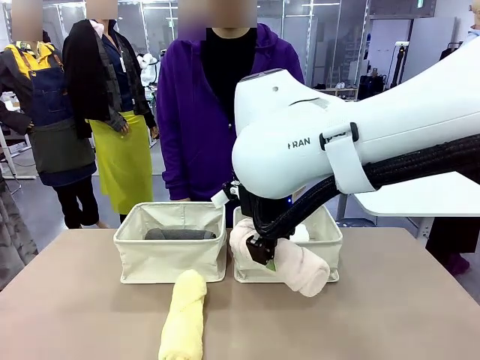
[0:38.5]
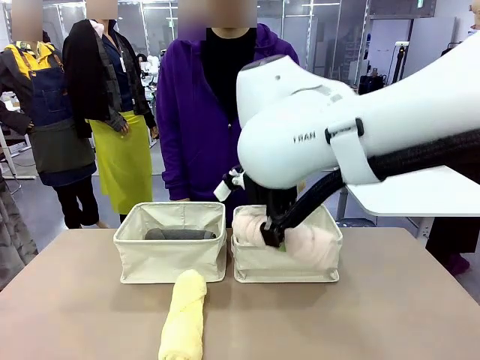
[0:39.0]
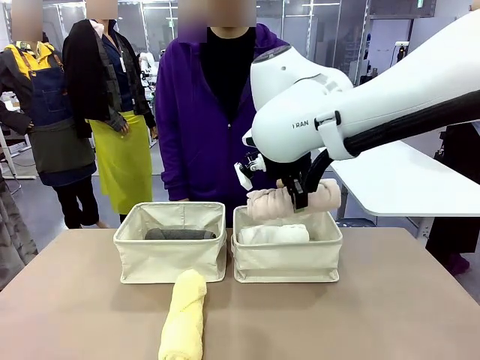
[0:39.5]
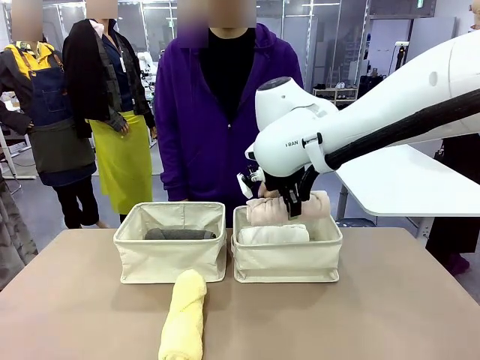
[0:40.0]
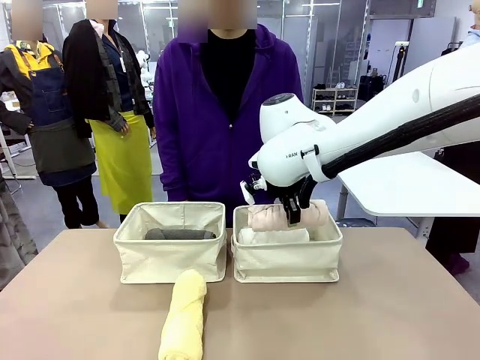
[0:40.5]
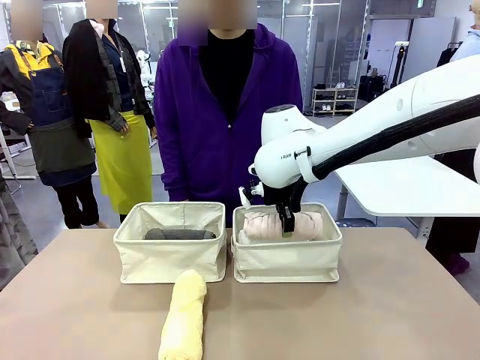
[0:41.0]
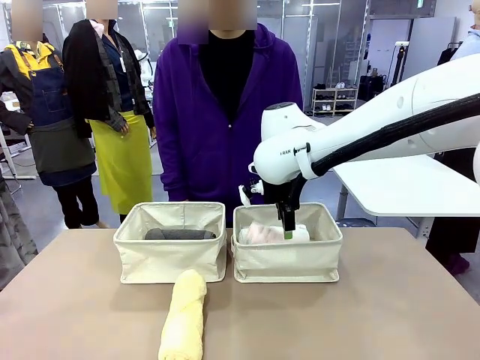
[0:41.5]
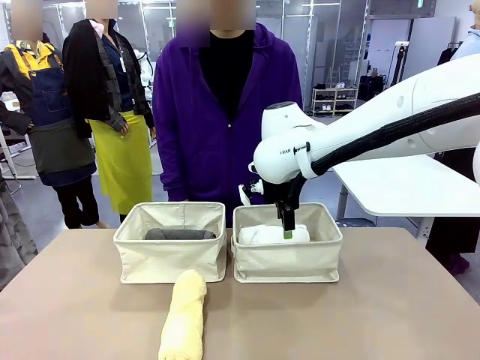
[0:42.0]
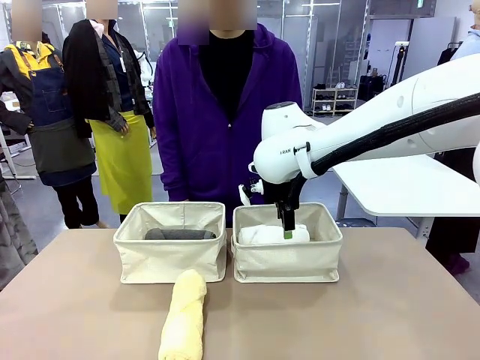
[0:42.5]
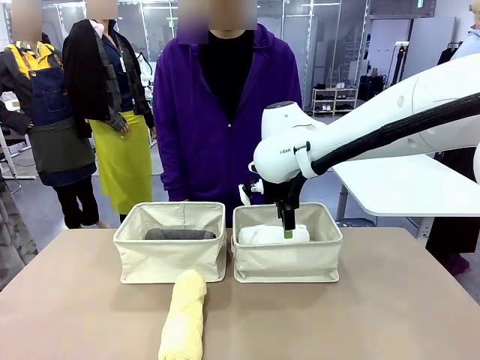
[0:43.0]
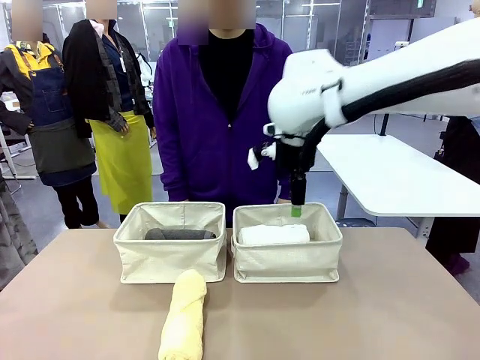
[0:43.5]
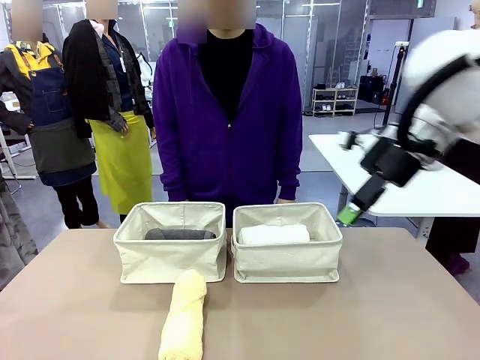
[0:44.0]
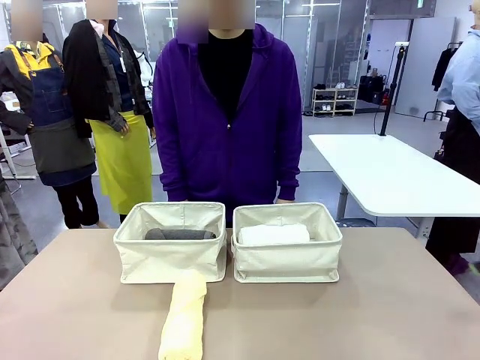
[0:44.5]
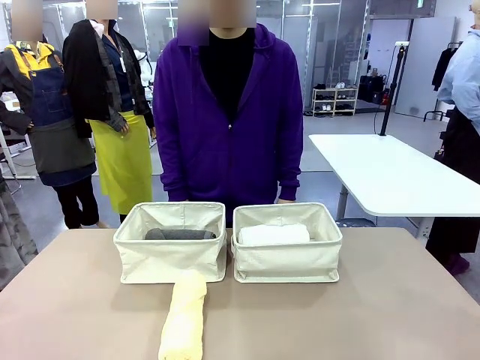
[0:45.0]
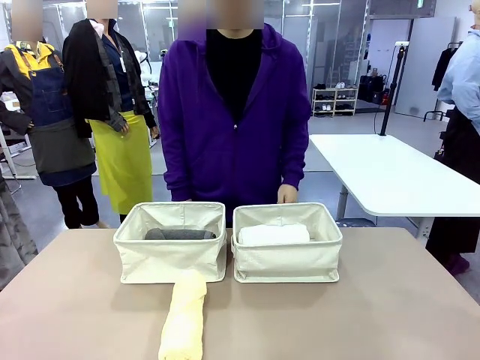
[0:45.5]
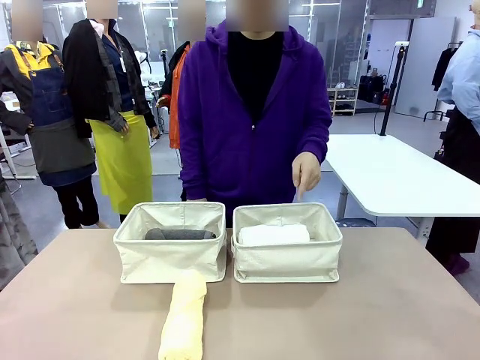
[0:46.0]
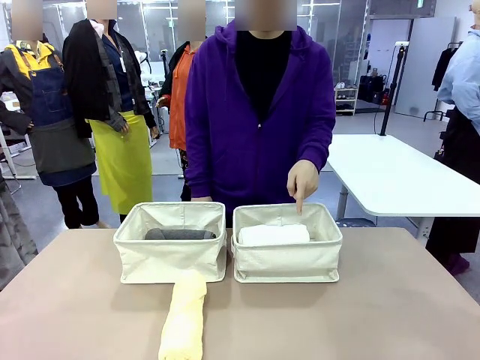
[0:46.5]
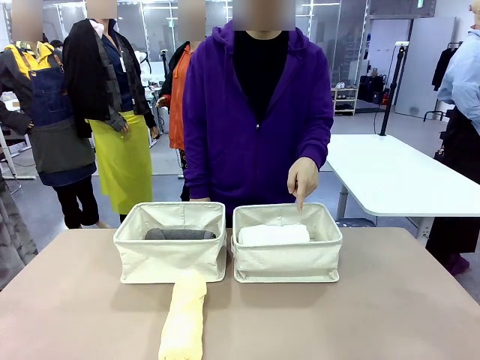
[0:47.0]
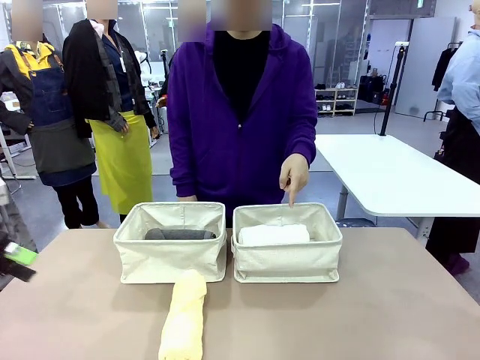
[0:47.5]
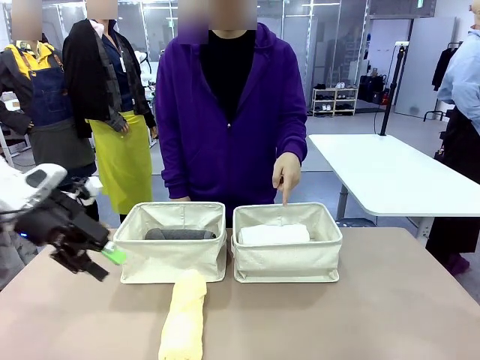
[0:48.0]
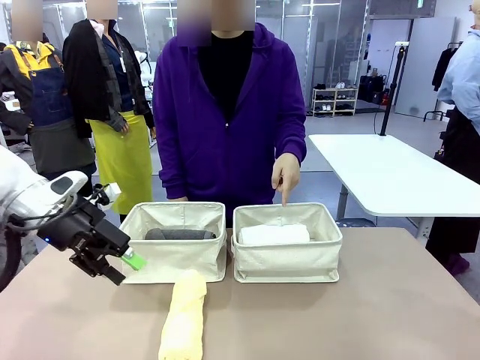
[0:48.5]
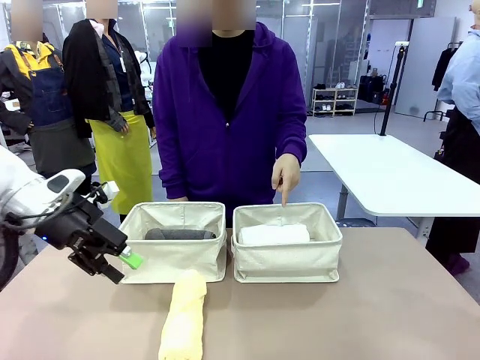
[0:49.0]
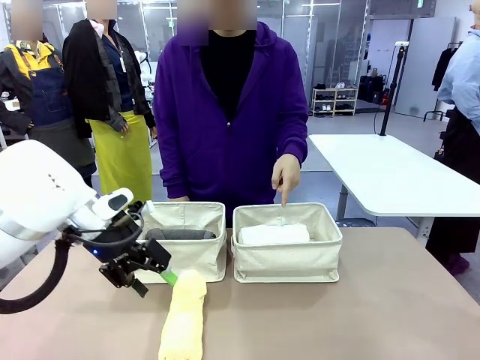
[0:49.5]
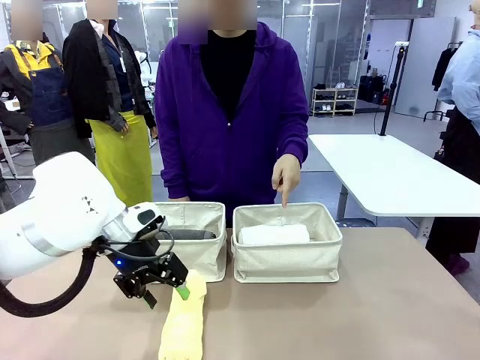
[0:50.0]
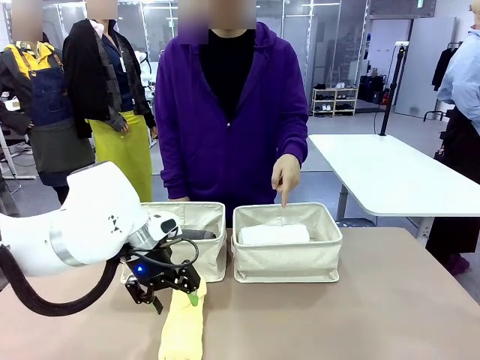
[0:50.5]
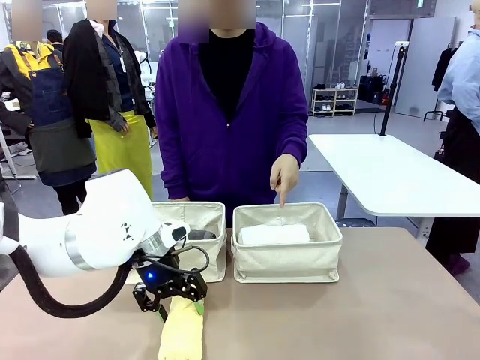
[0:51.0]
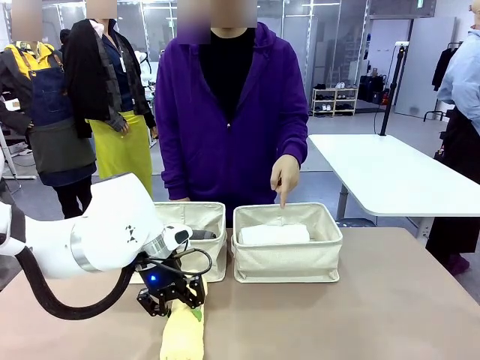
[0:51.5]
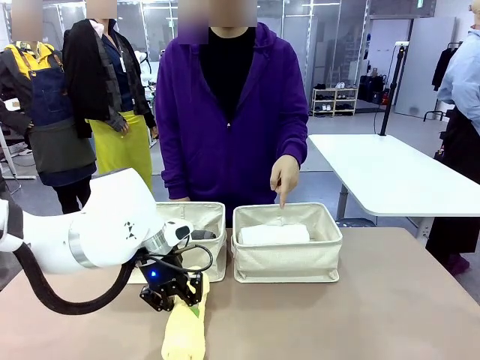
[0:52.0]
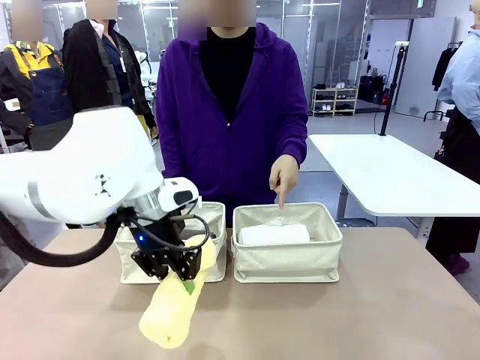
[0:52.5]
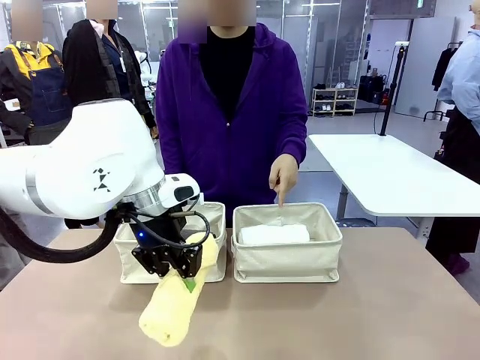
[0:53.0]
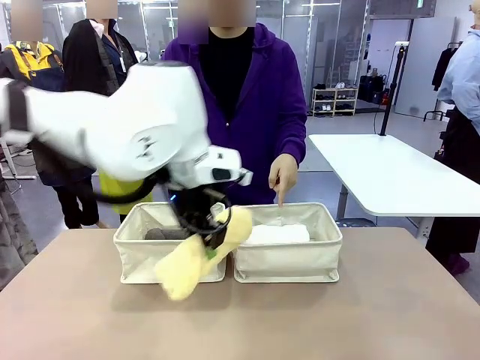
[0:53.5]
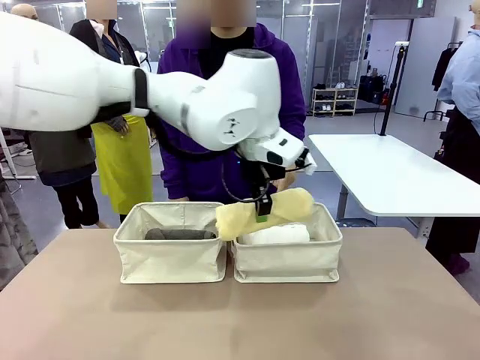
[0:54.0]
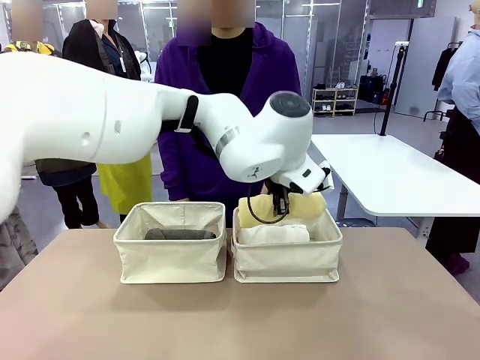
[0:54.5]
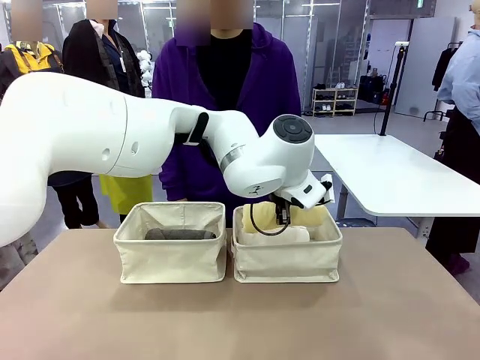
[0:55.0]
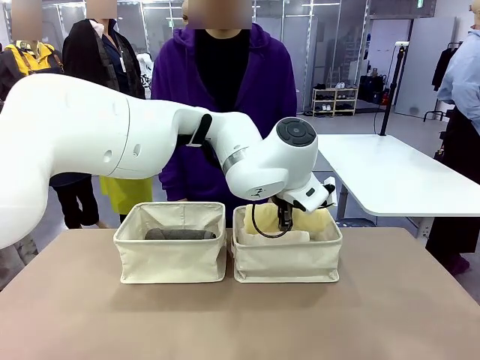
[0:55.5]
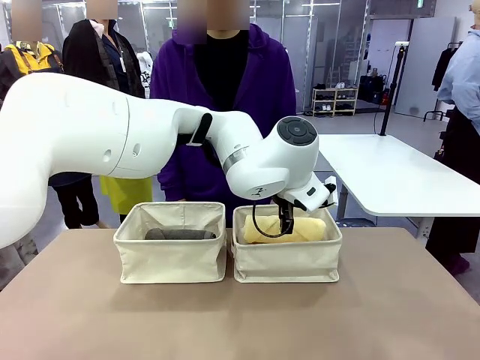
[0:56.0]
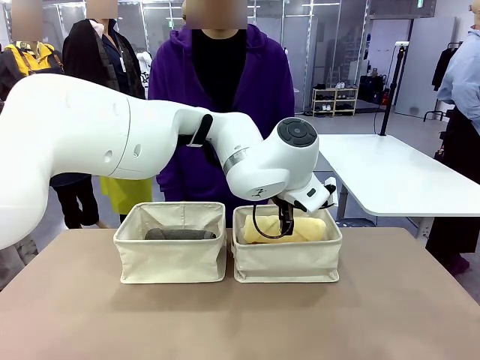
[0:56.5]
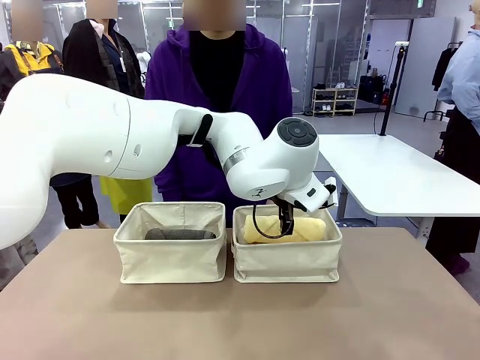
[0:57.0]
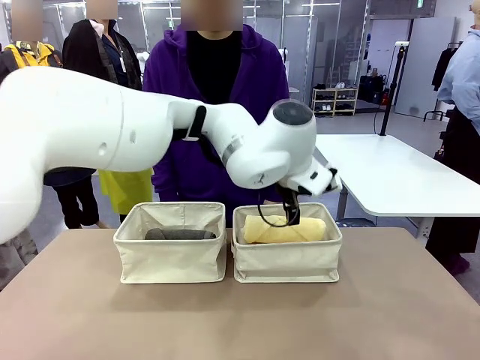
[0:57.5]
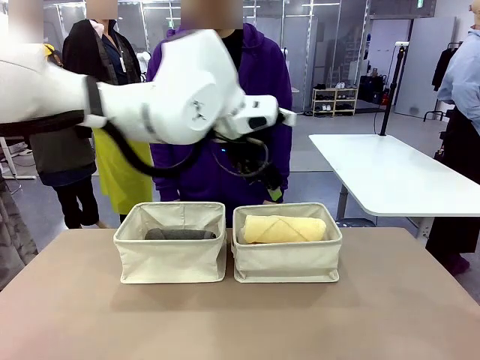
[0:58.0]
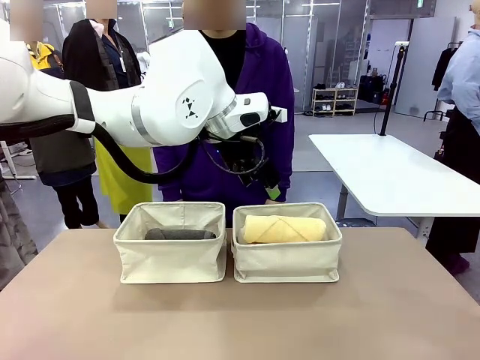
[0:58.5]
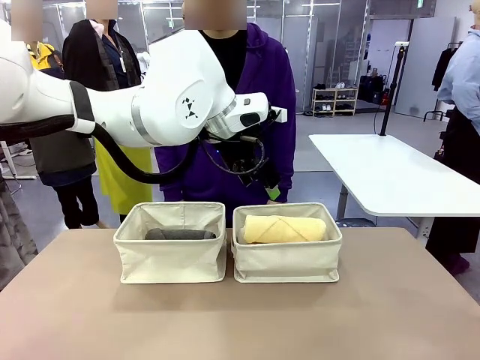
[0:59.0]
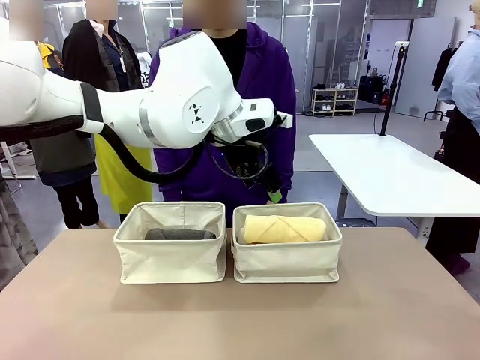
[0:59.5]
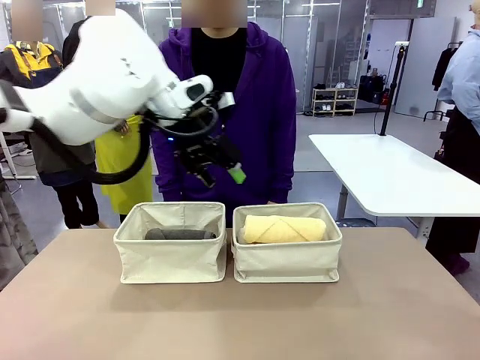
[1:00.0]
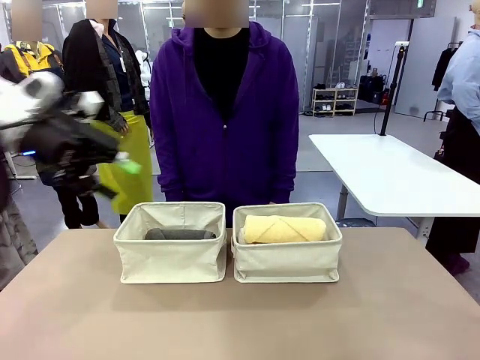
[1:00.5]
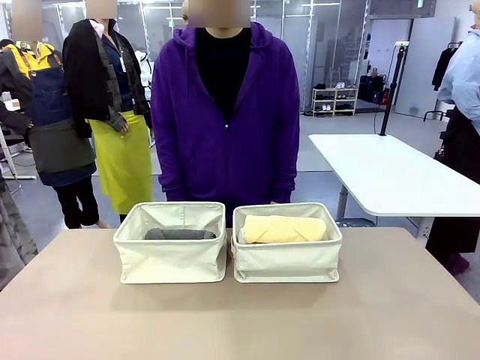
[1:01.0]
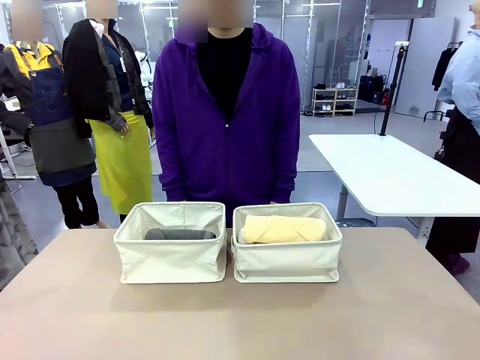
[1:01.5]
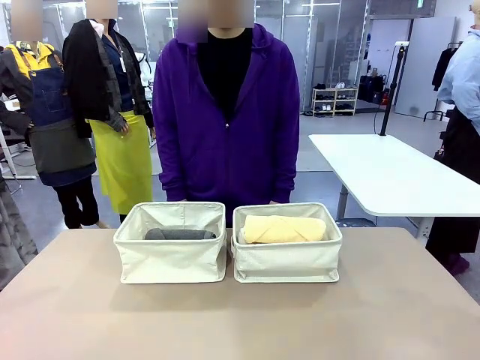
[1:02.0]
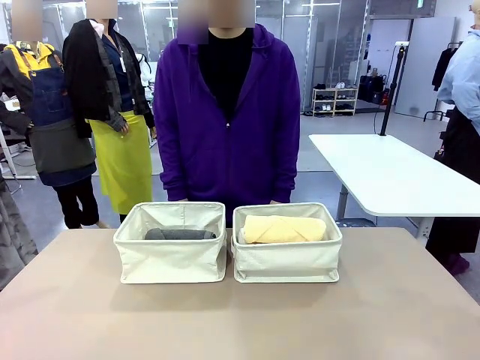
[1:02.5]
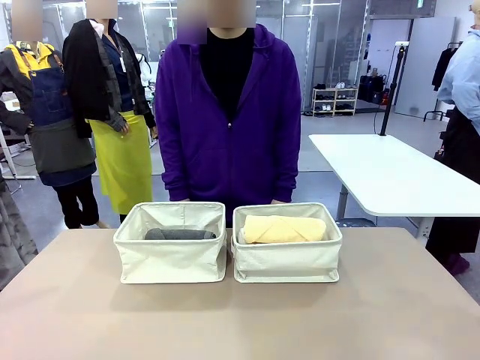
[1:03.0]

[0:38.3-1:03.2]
Task: Divide the towels into two baskets.
Robot: Pick up one hotel-folded towel from the bottom of the table and place it in the Fabric basket indicated by the person.

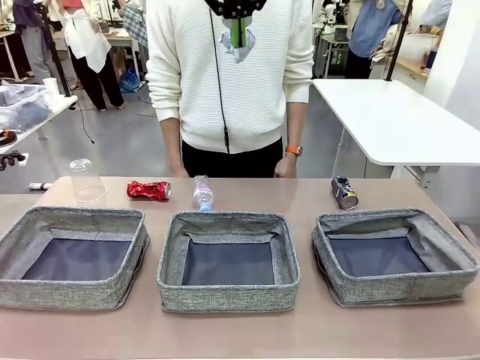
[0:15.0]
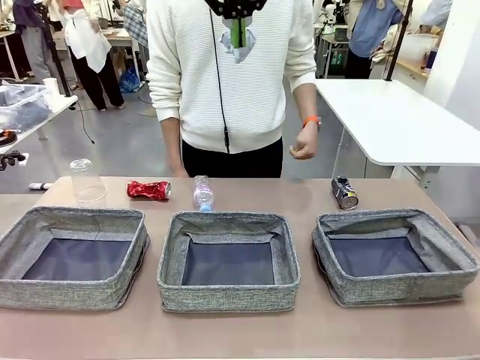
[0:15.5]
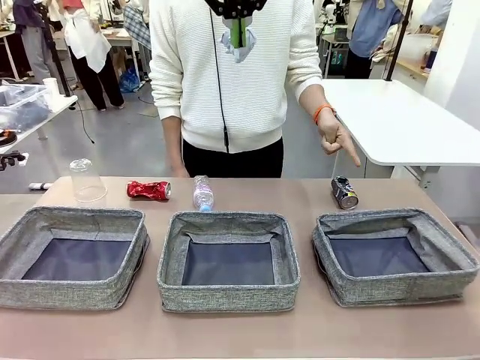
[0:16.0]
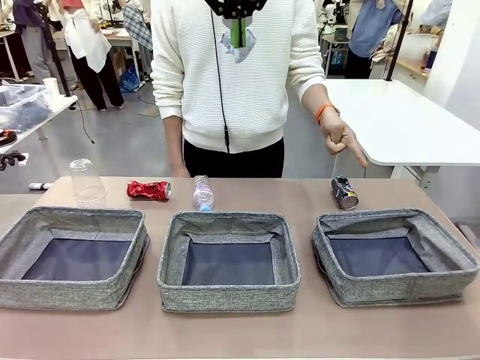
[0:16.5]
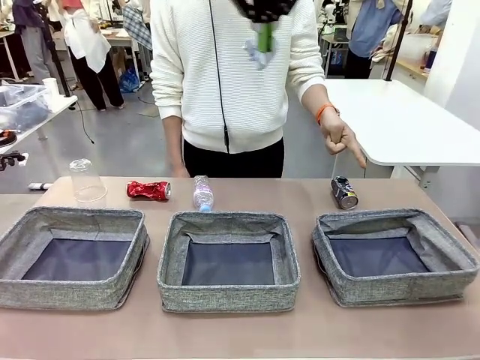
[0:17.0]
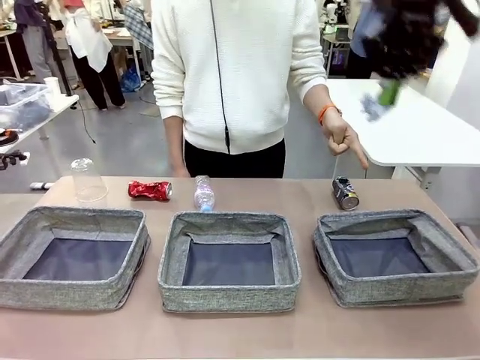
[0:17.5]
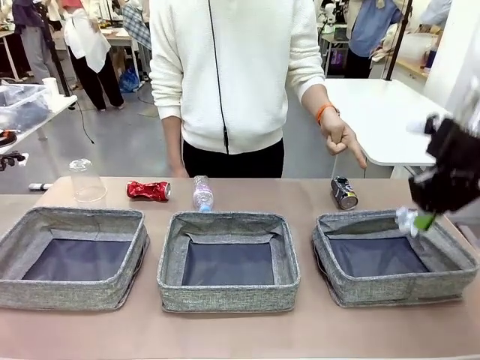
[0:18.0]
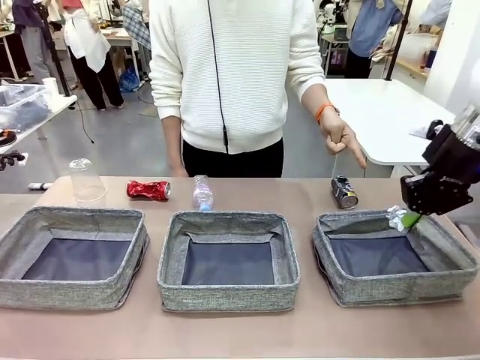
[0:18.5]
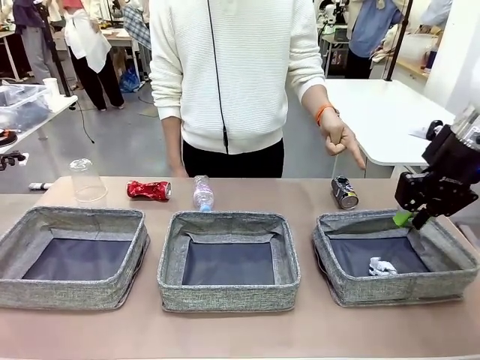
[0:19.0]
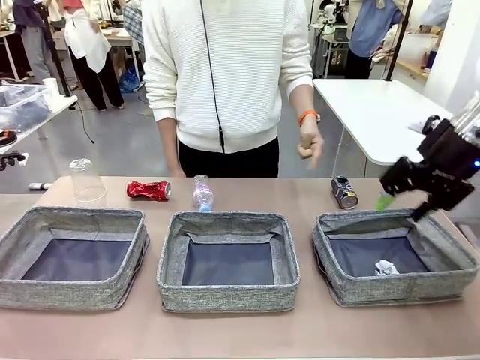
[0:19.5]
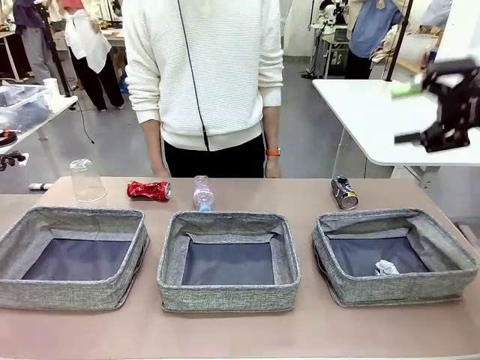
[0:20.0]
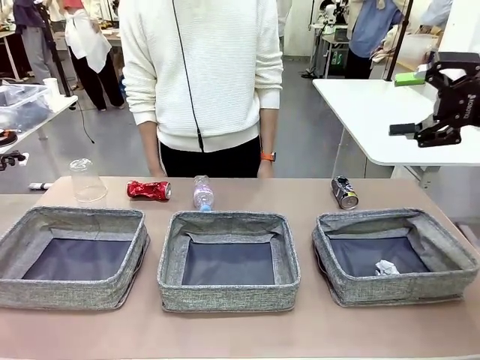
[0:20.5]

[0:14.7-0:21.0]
Task: Sort the waste into the appropriate baskets.
Robot: Place the picked waste into the Fabric basket indicated by the person.
Person: Instructs the robot to place the picked-up trash into the appropriate organizing basket.
